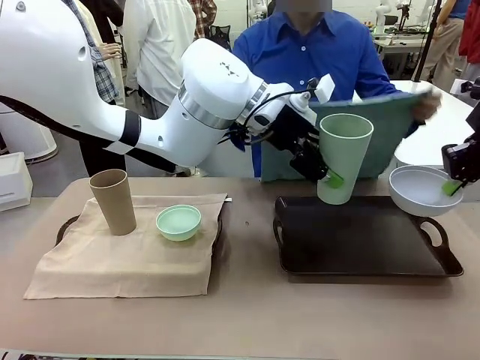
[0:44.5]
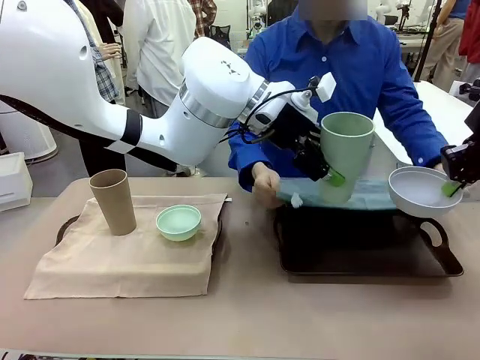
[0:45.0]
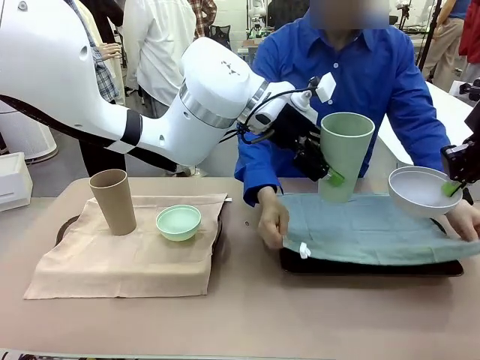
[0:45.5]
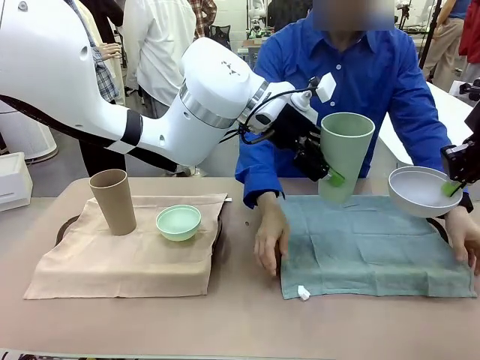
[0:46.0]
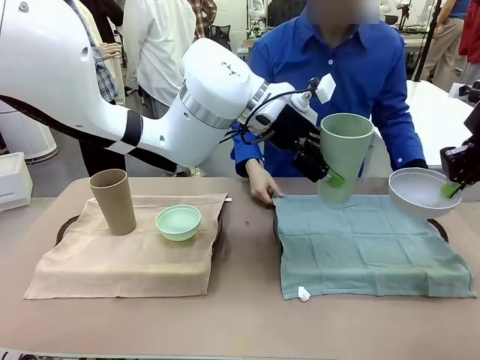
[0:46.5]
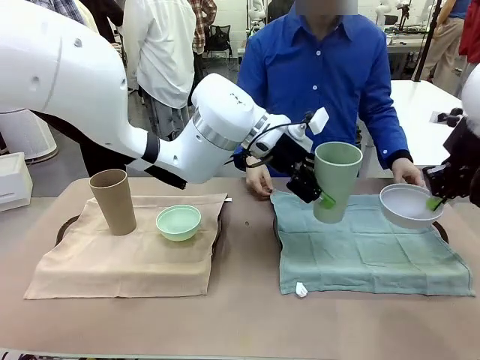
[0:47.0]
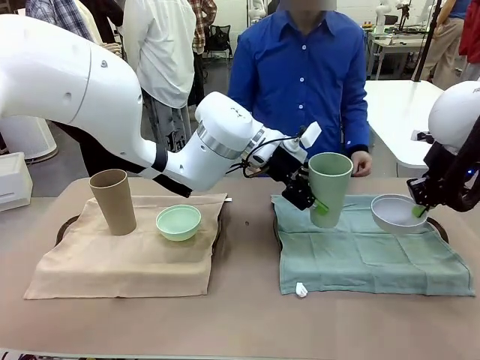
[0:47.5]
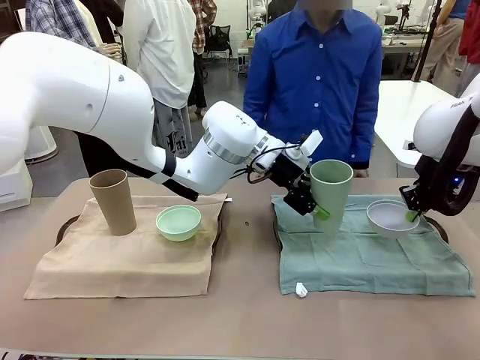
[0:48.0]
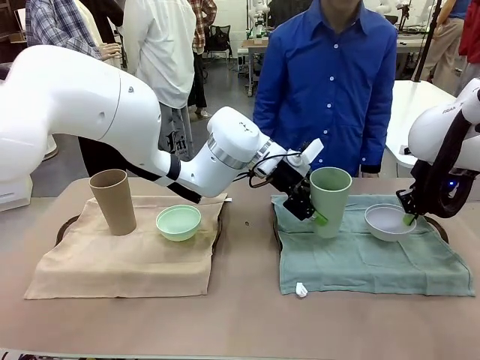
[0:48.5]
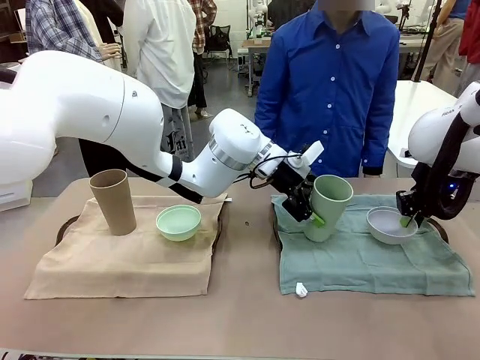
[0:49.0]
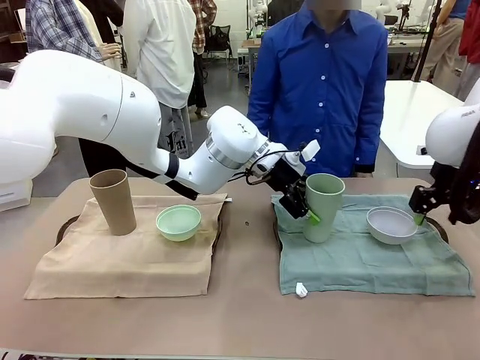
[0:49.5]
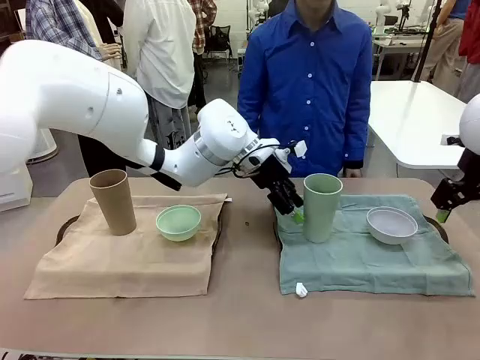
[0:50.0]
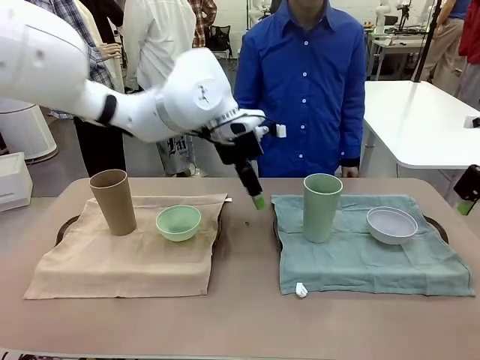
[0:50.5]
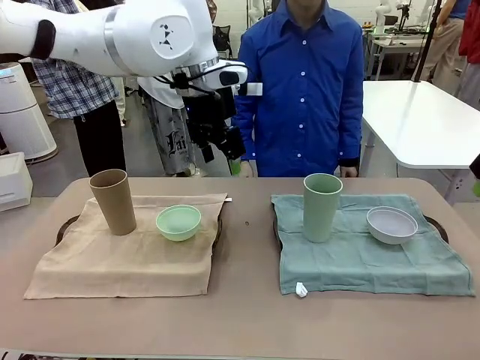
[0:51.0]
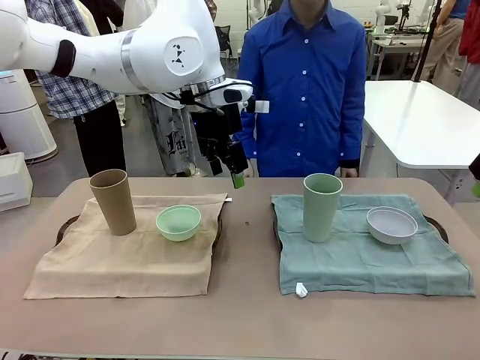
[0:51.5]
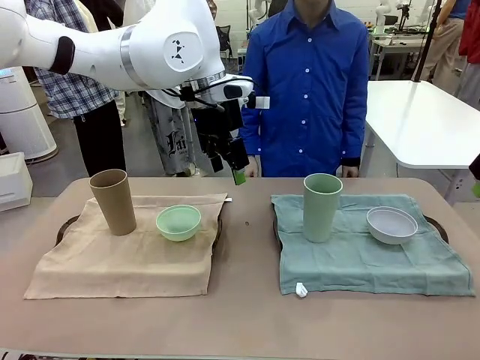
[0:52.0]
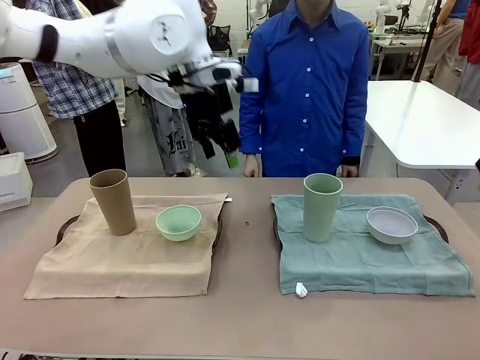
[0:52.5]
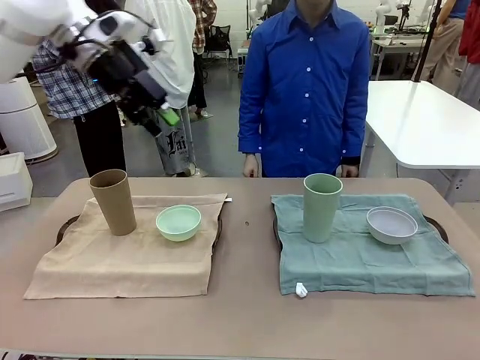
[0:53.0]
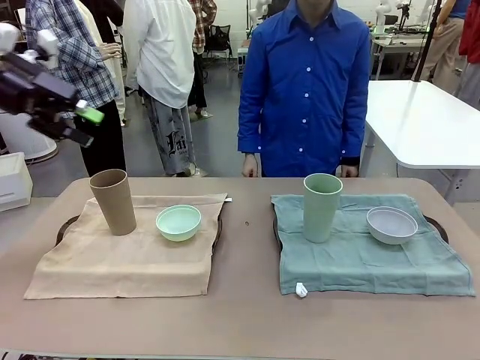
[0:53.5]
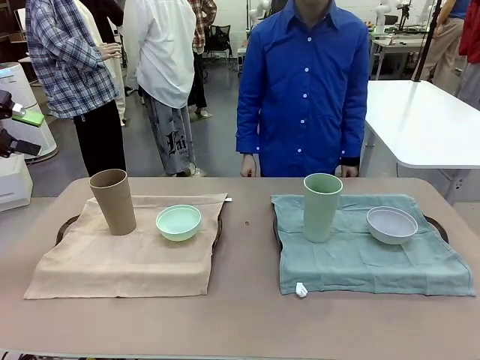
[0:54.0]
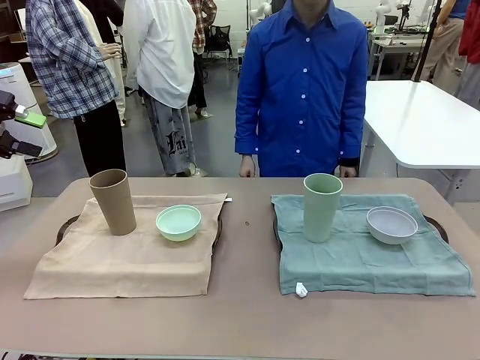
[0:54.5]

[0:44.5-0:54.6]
Robot: Place the Picnic Bowl and Reusable plastic cup back onto the Handle tray in front of the human's position.
